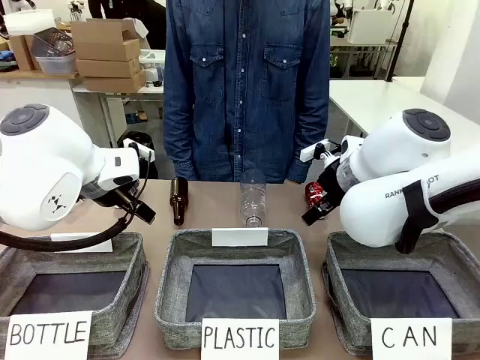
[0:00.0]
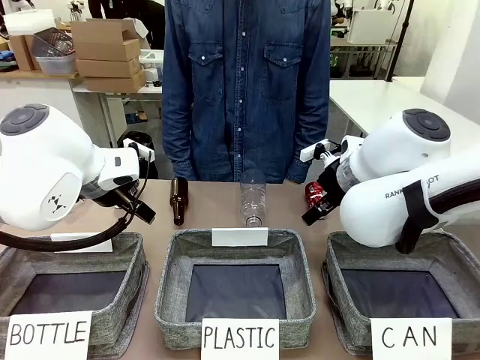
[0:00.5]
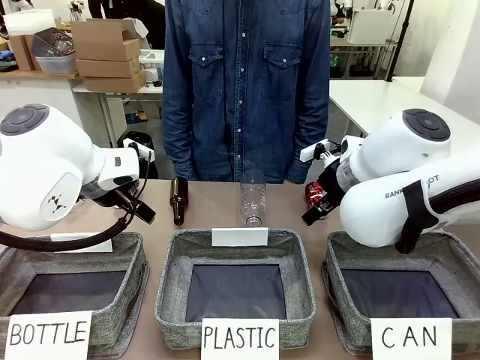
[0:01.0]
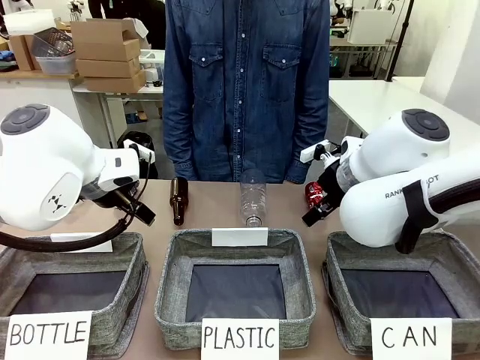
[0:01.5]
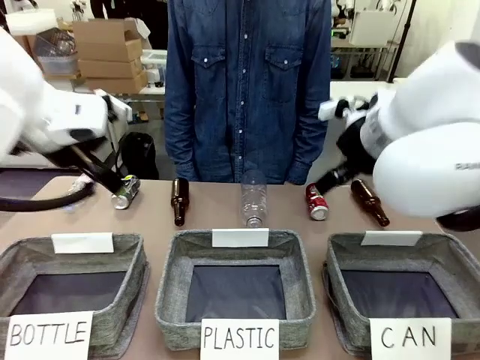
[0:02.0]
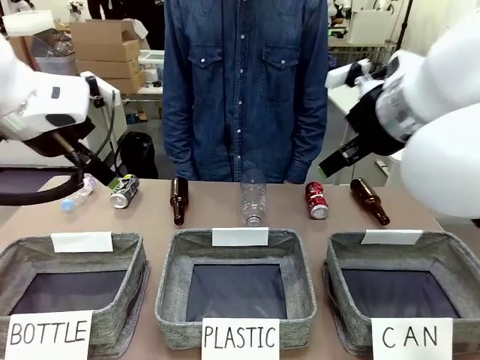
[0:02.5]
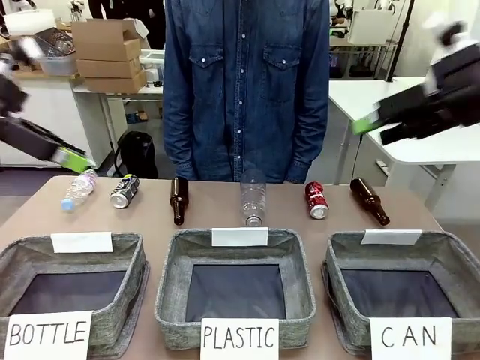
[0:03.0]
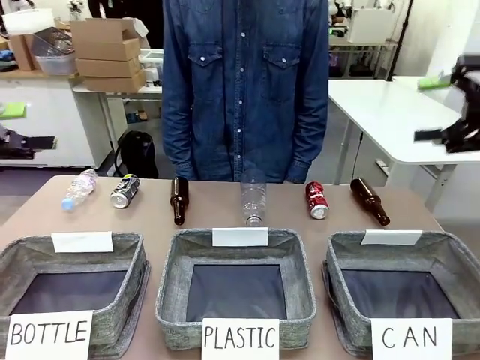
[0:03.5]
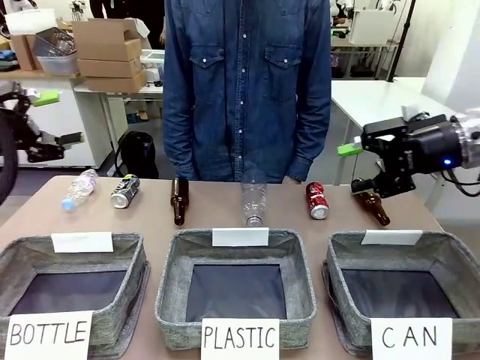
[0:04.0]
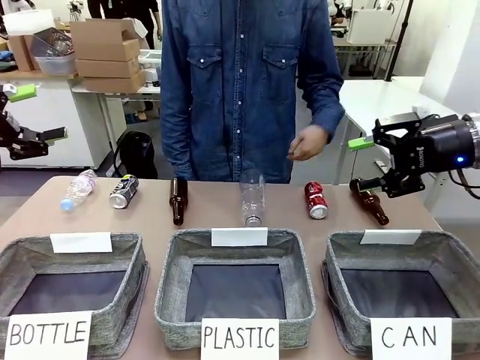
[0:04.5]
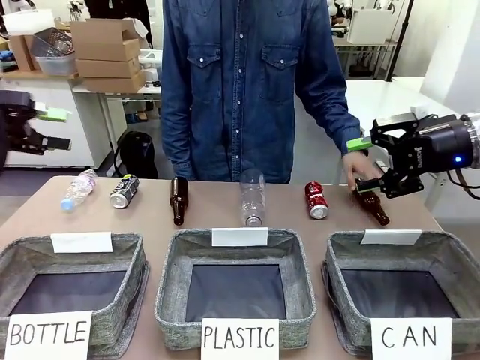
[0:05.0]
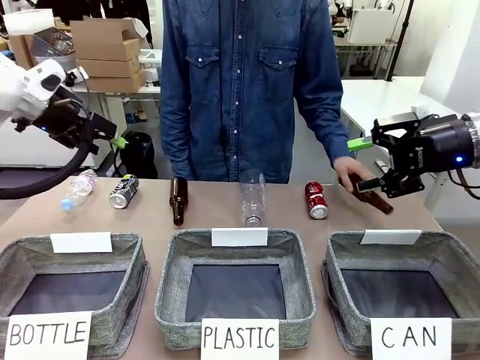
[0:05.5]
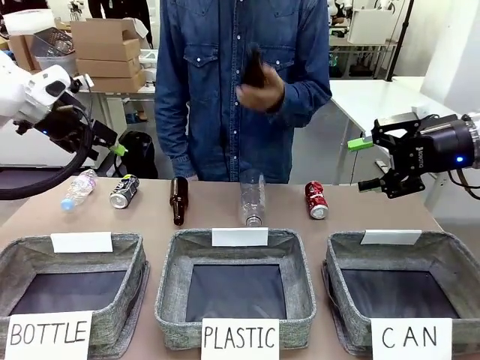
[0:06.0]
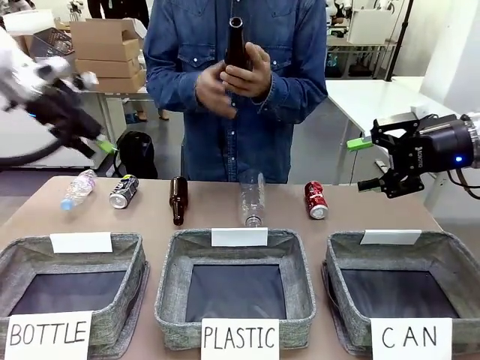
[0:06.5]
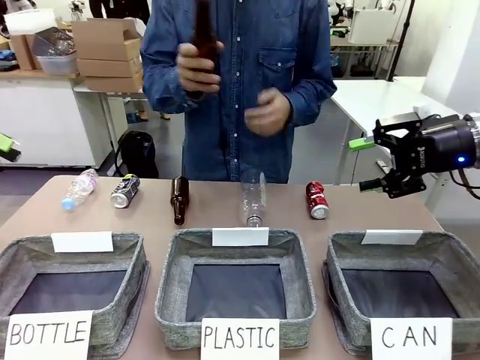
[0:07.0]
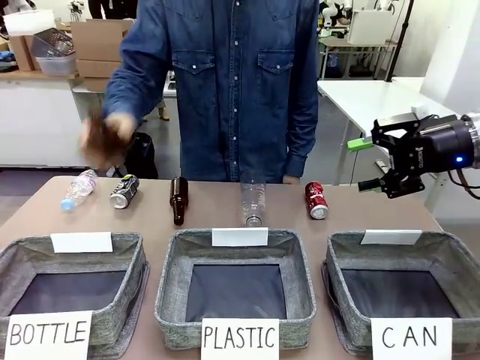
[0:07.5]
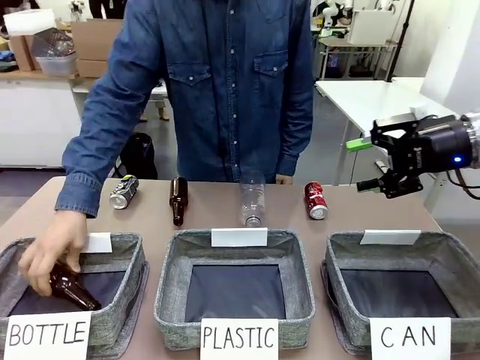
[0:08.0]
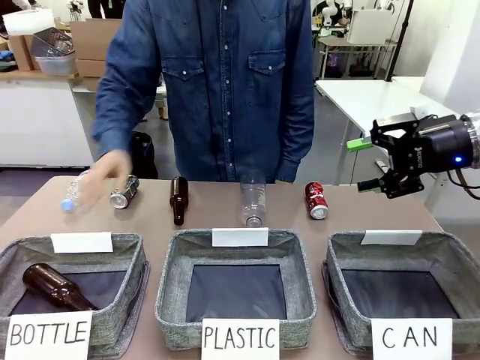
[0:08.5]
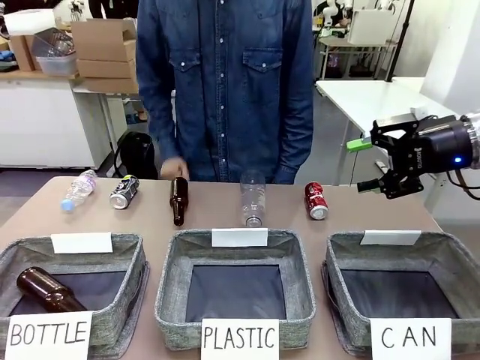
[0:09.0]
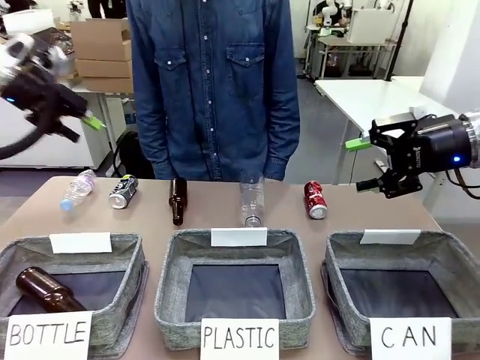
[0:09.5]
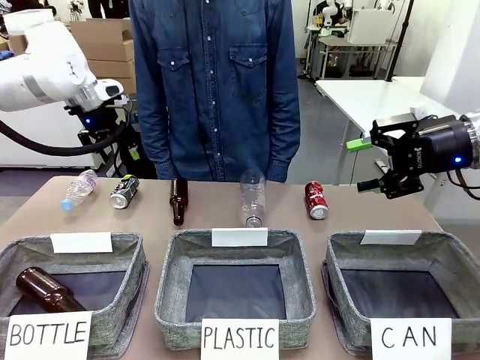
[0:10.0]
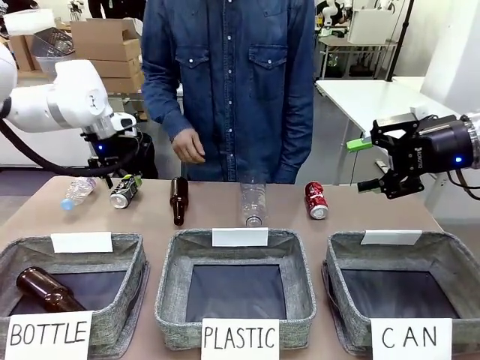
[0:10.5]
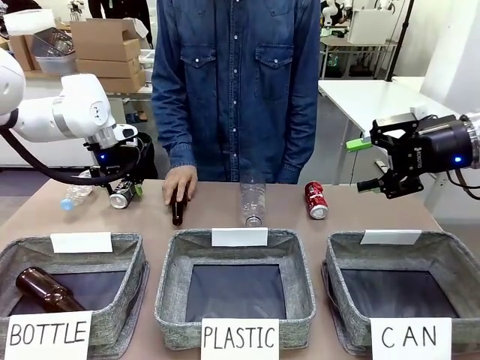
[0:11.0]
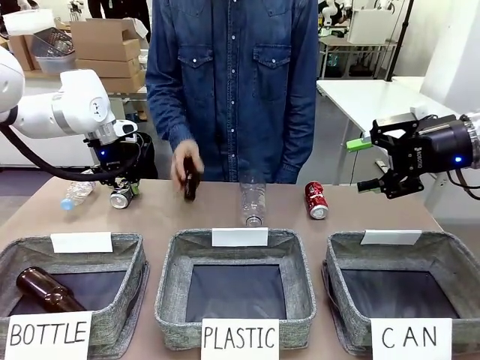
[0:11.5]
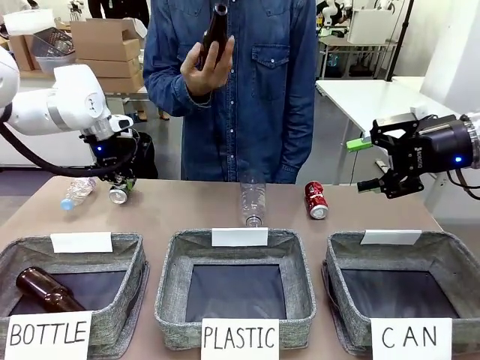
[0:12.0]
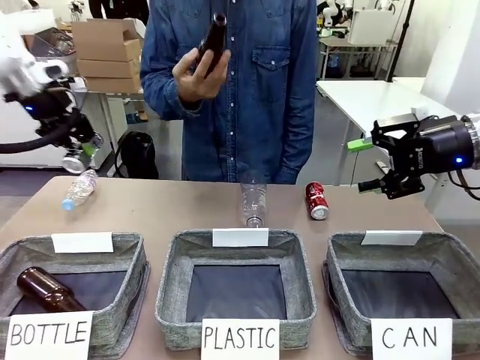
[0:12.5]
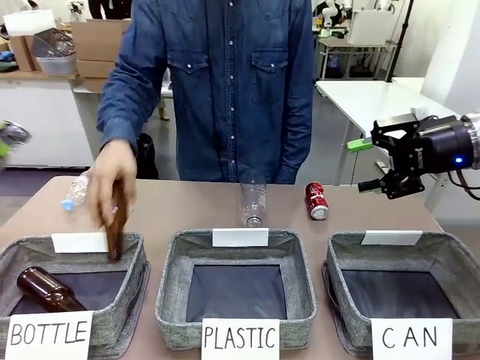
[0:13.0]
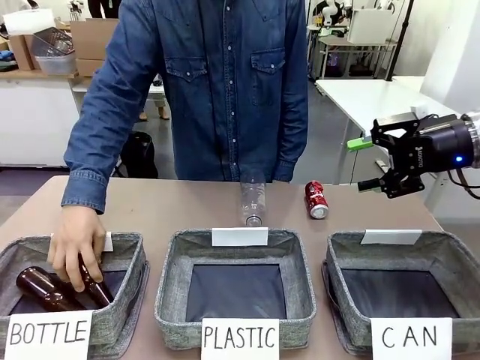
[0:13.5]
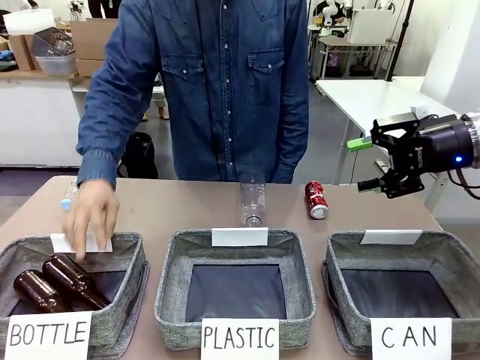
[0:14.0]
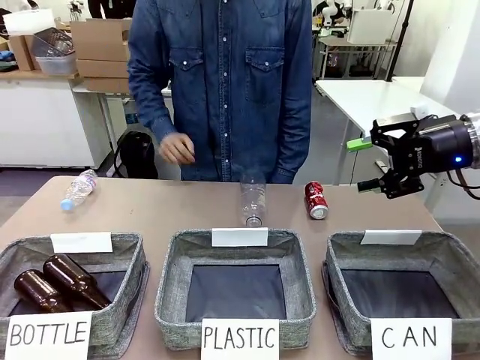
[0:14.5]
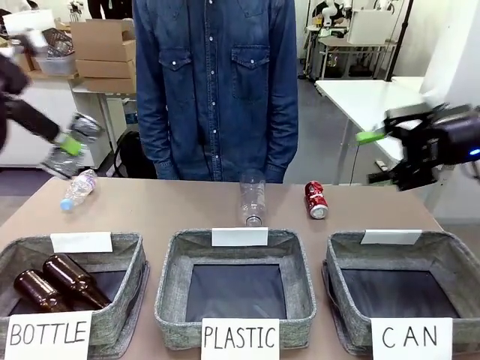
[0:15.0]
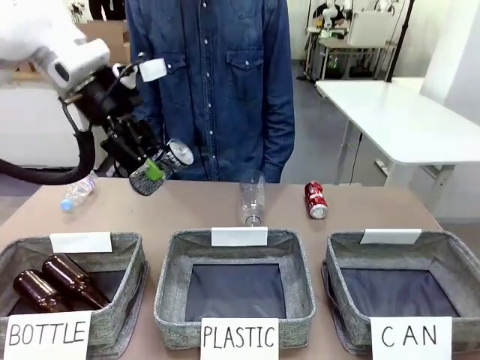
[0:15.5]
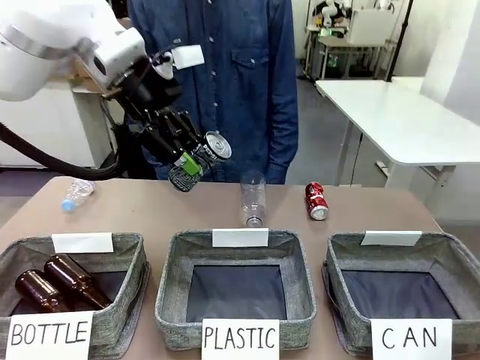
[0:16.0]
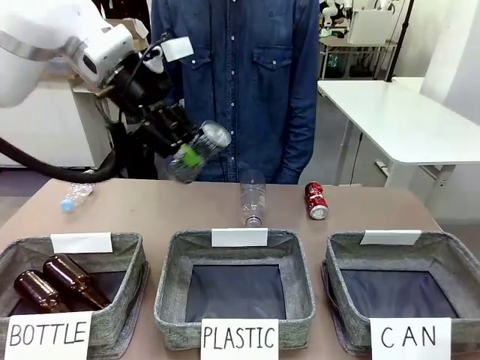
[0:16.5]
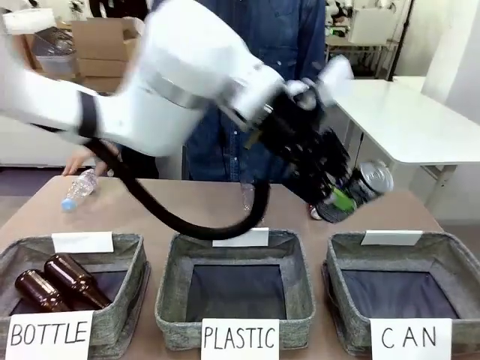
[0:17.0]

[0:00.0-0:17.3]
Task: Sort the can waste into the basket.
Robot: Pick up the can waste from the table and place it in the right Fabric basket.

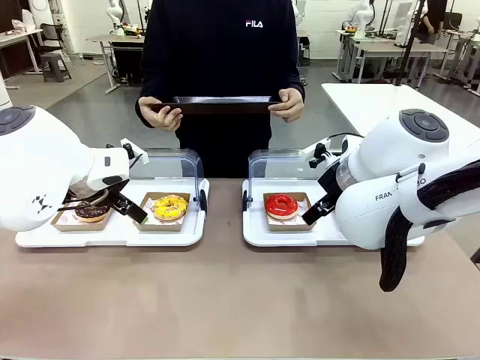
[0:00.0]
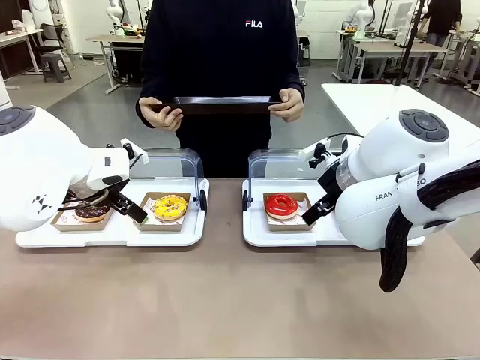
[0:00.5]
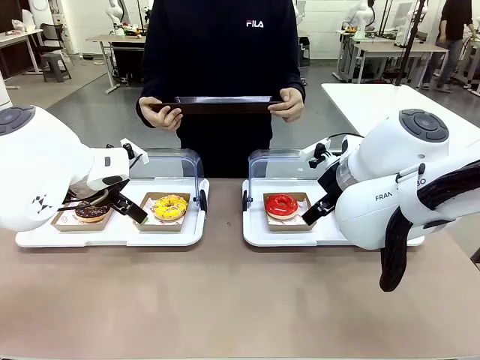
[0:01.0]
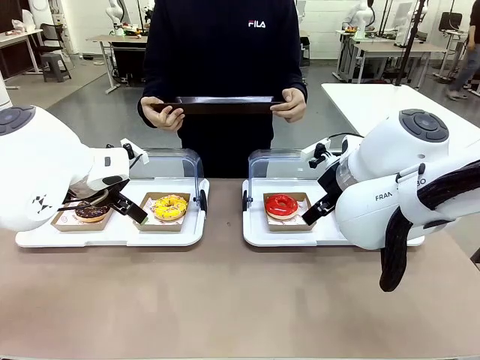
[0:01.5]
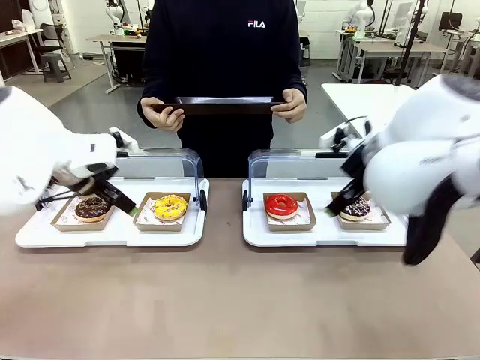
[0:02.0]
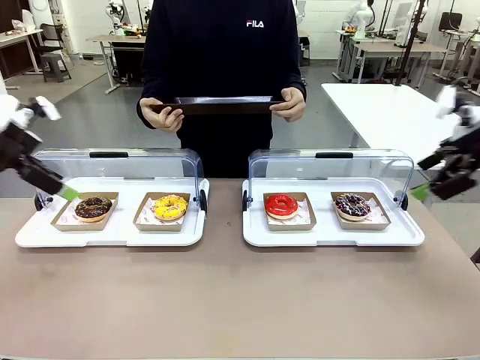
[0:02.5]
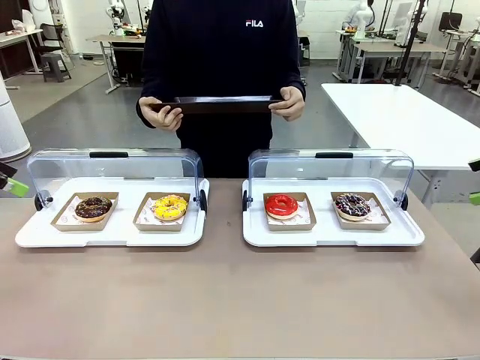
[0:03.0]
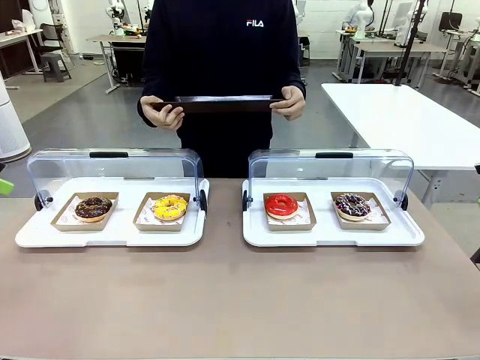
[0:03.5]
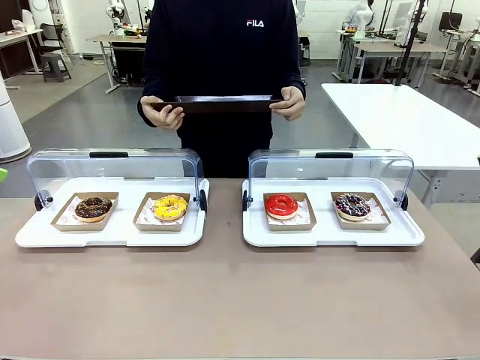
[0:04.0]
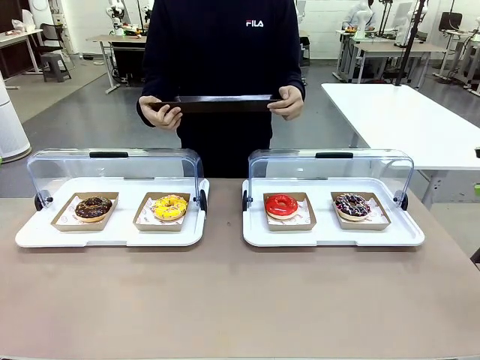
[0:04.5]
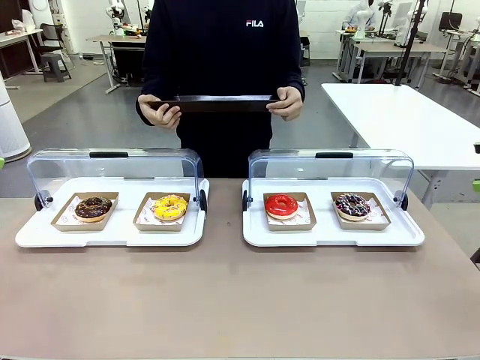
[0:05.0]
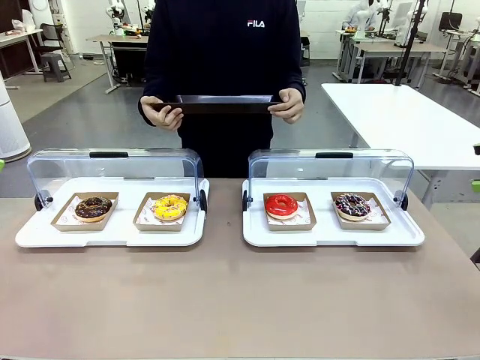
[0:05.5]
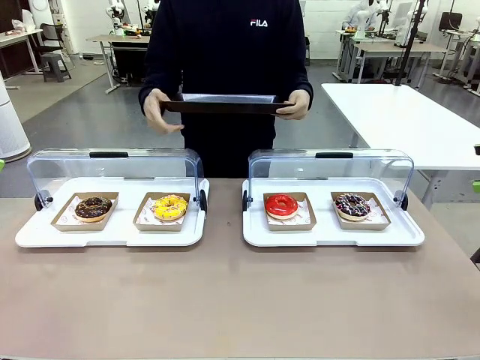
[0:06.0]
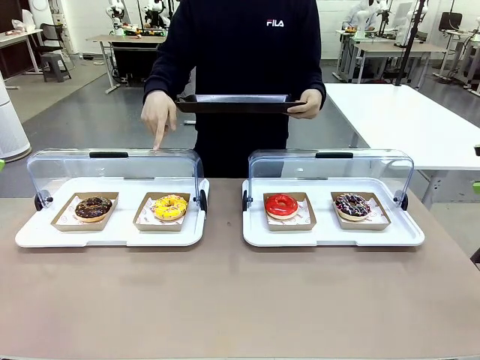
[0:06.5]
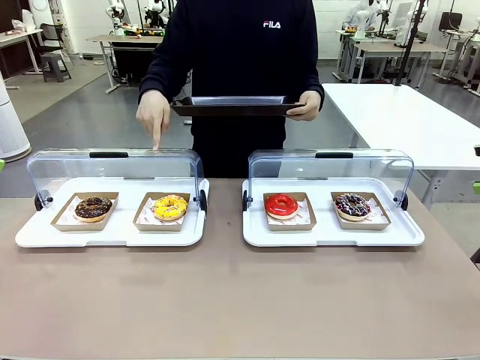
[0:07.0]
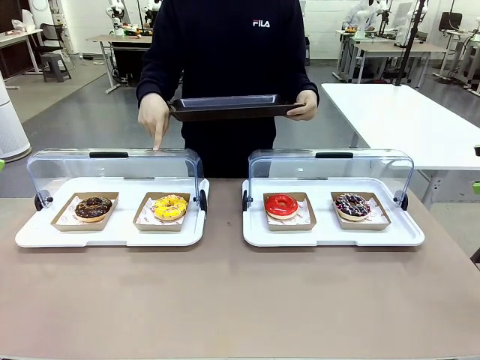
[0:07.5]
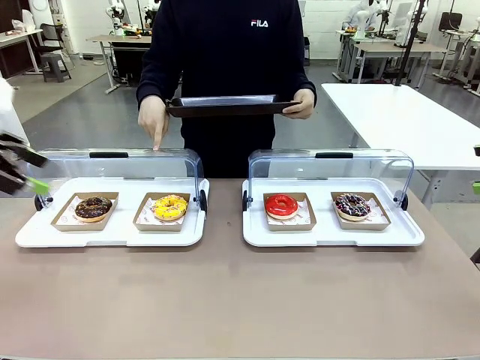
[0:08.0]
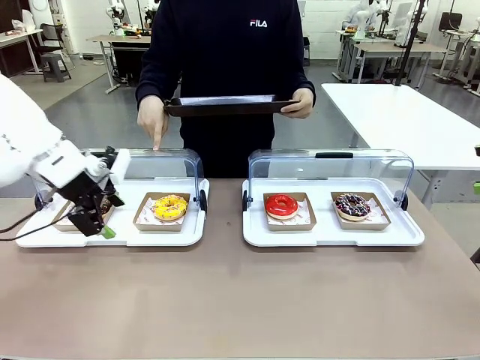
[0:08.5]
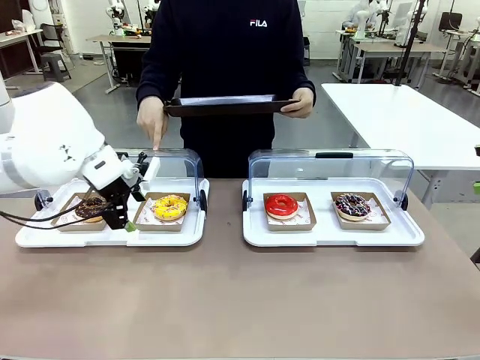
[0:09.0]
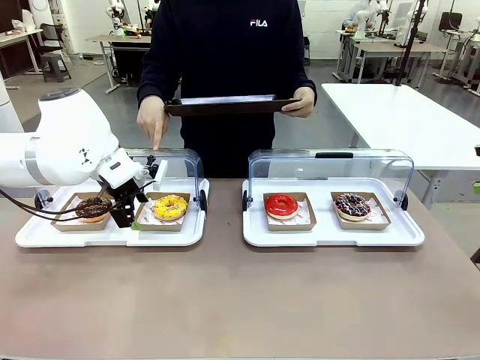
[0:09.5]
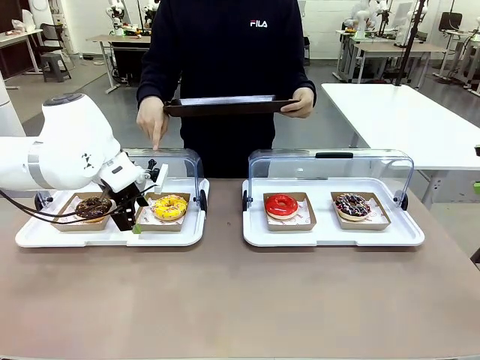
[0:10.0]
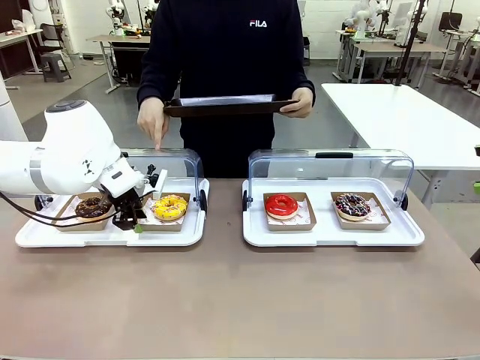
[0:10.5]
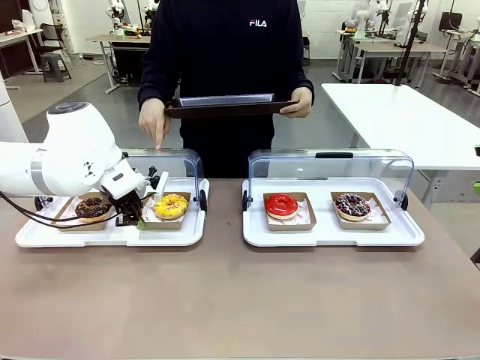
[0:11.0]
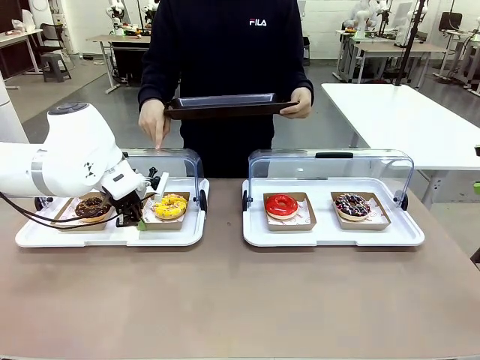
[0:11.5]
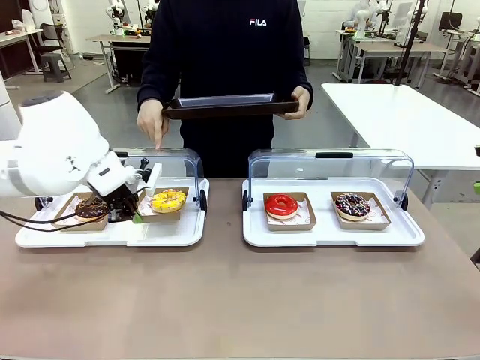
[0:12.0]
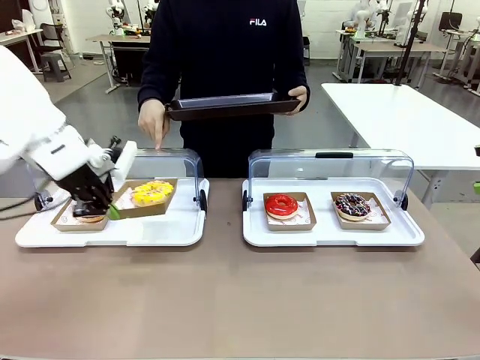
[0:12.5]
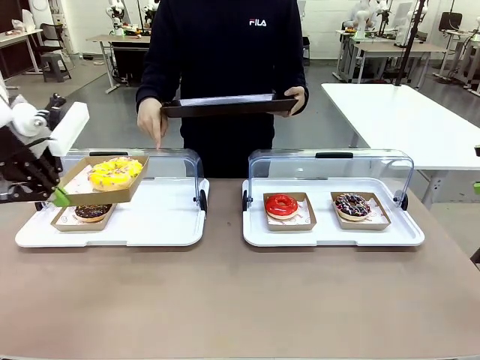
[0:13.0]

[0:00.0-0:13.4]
Task: Provide the desired donut to the person.
Robot: Pick up and lift the Paper togo box containing the Donut pointed at by the person.
Person: Point to one donut. Lift the tray onto the Roll-Top Bakery Case.
